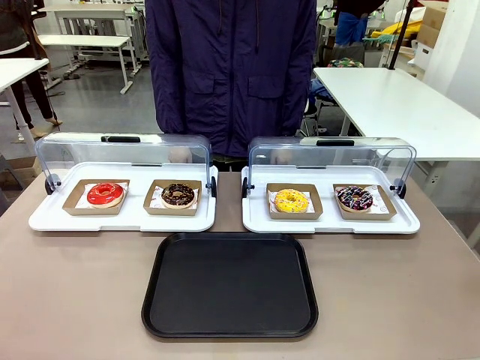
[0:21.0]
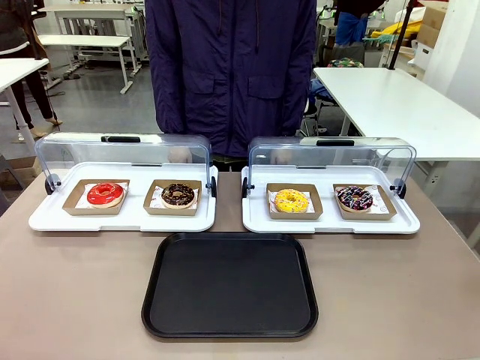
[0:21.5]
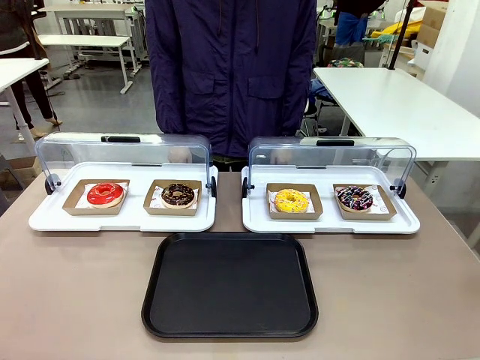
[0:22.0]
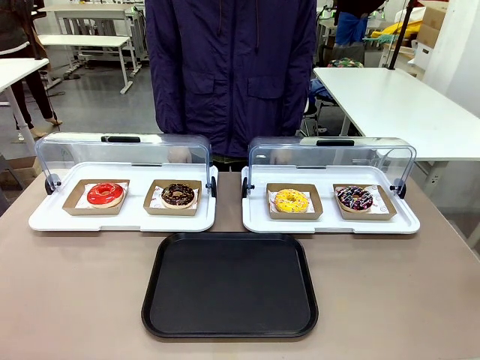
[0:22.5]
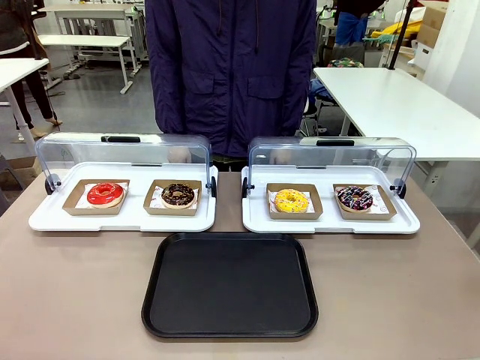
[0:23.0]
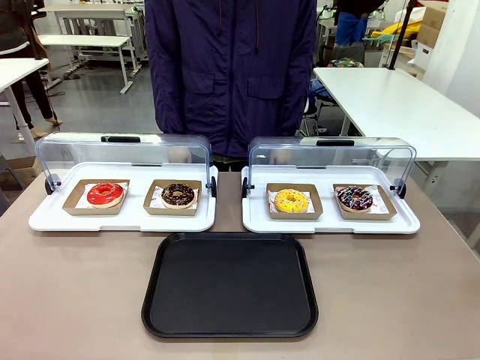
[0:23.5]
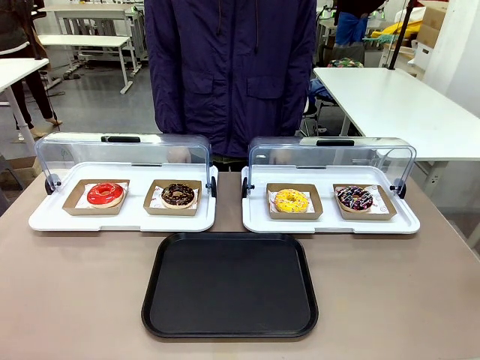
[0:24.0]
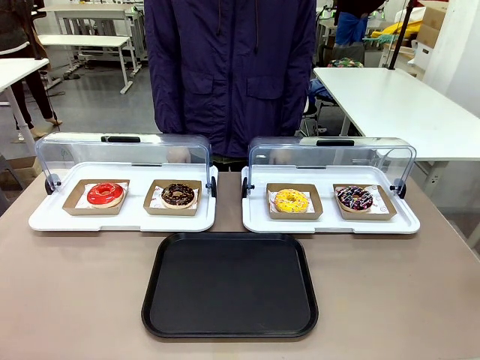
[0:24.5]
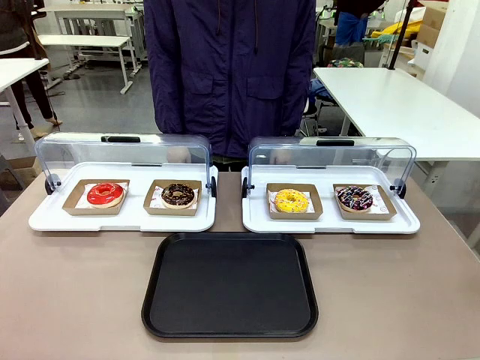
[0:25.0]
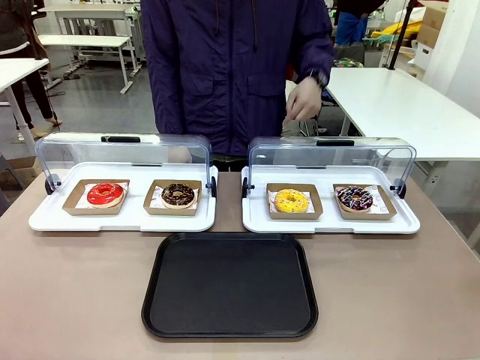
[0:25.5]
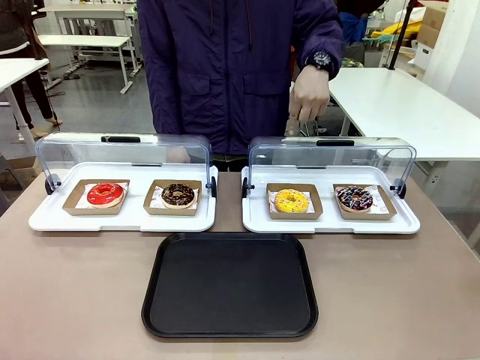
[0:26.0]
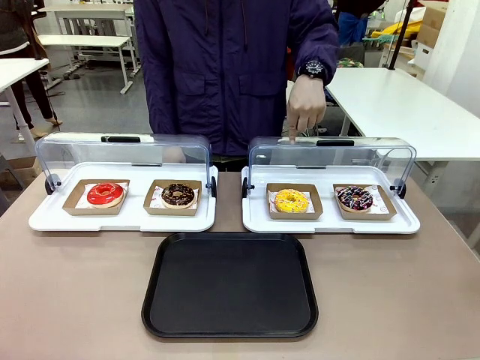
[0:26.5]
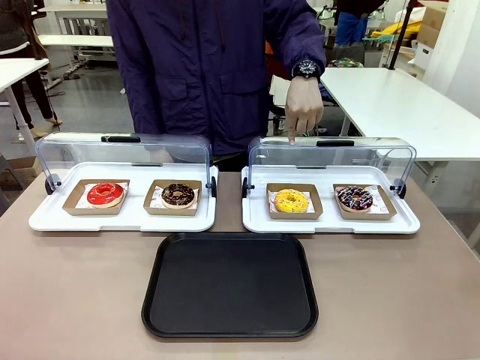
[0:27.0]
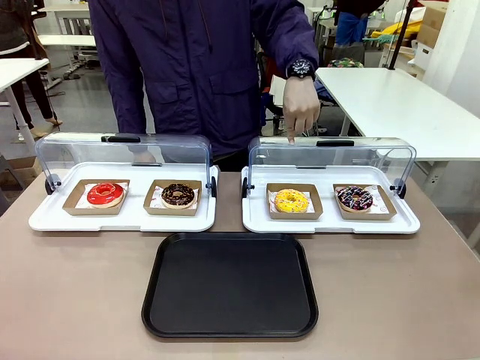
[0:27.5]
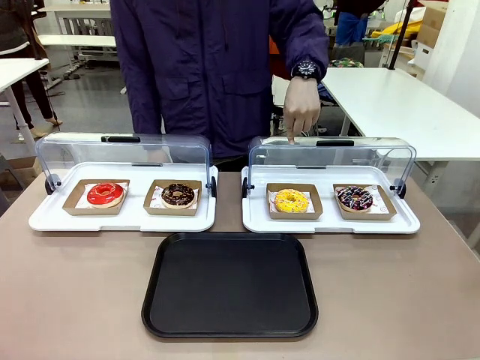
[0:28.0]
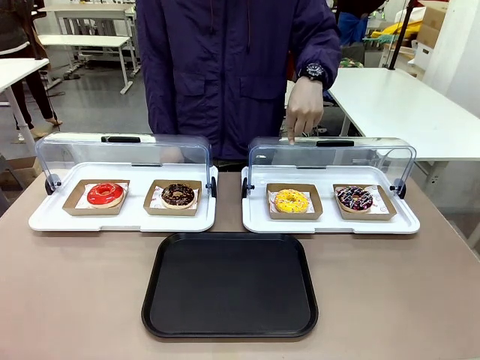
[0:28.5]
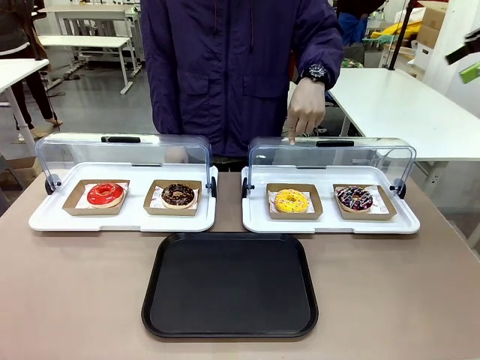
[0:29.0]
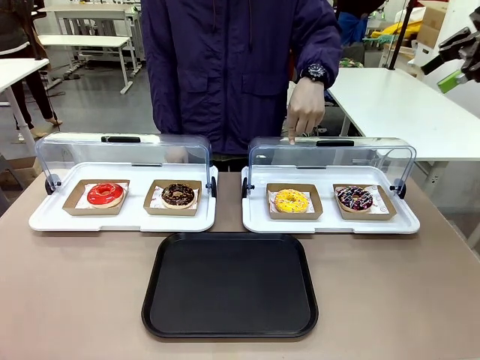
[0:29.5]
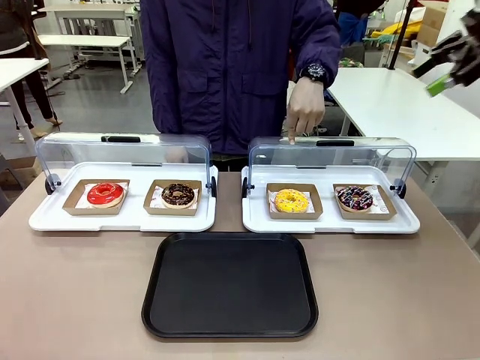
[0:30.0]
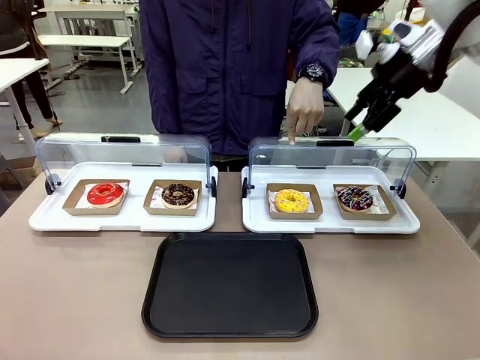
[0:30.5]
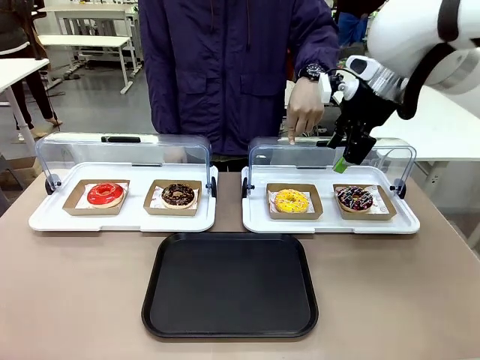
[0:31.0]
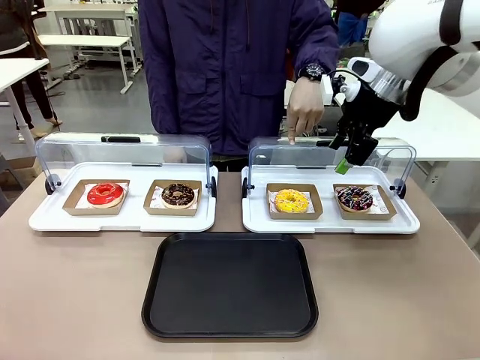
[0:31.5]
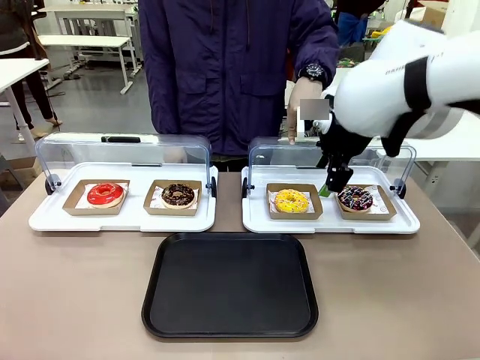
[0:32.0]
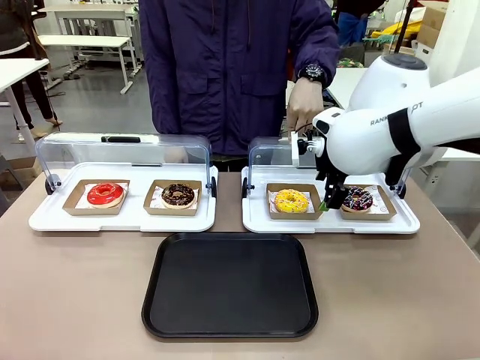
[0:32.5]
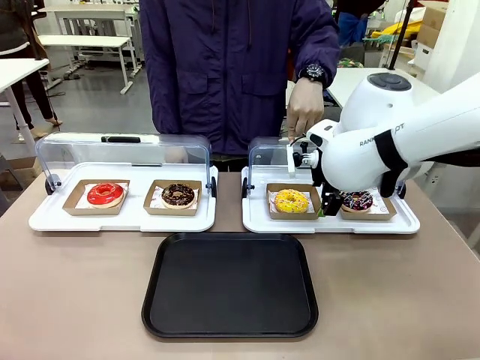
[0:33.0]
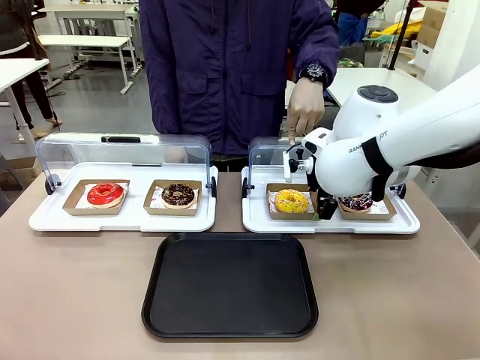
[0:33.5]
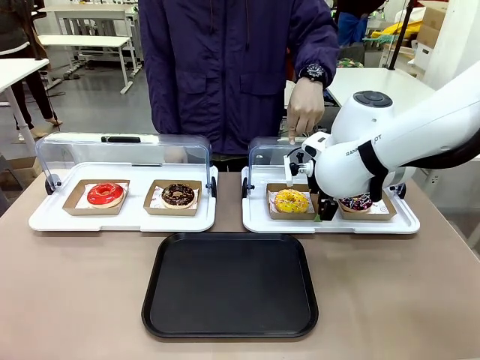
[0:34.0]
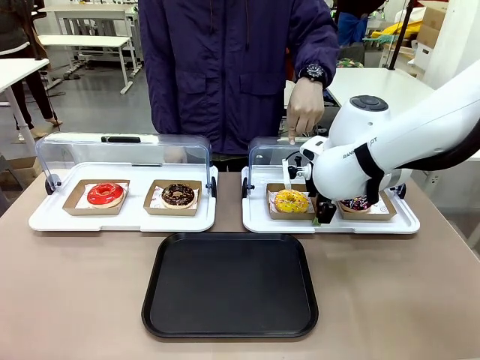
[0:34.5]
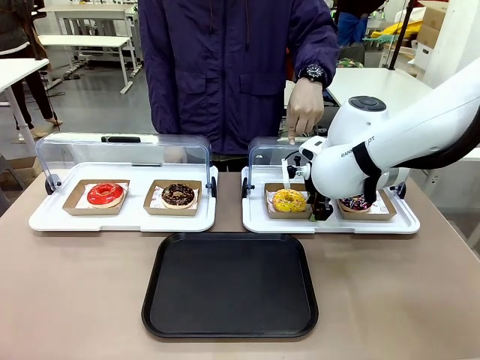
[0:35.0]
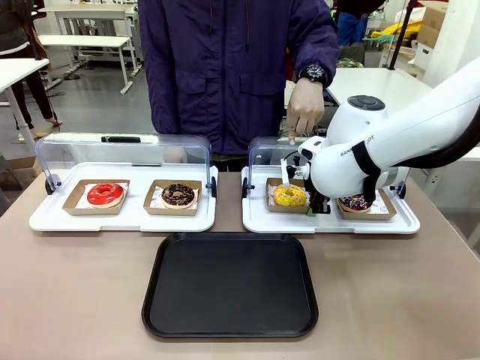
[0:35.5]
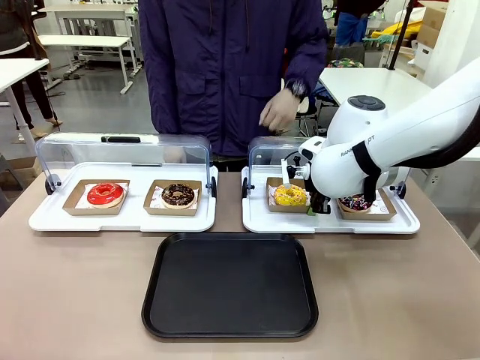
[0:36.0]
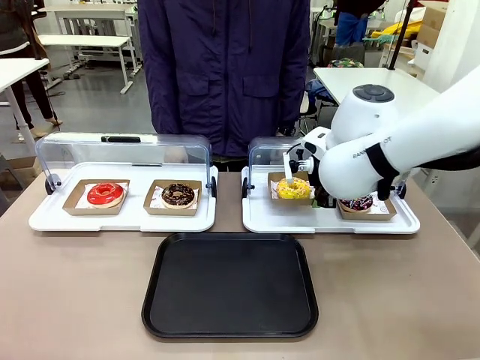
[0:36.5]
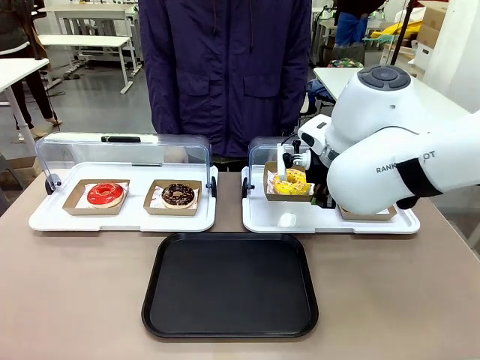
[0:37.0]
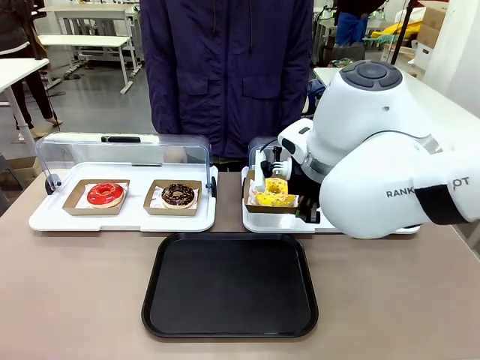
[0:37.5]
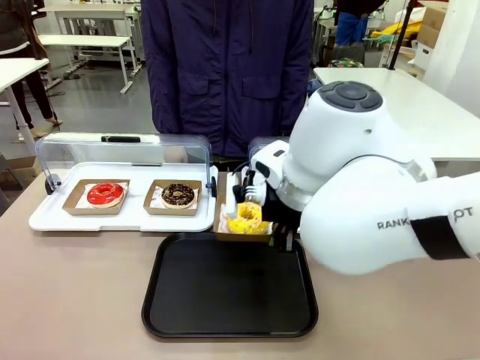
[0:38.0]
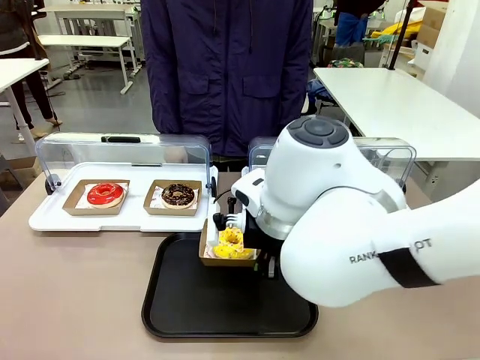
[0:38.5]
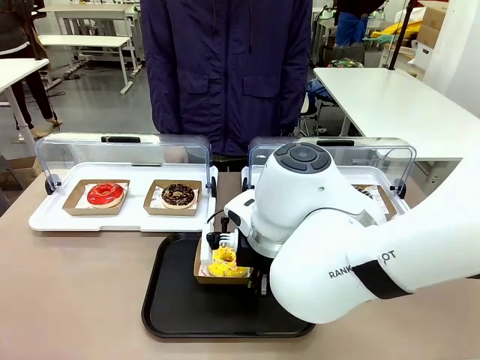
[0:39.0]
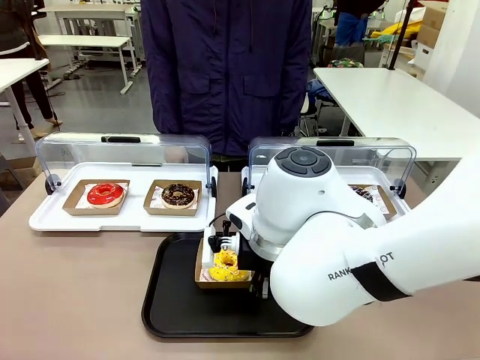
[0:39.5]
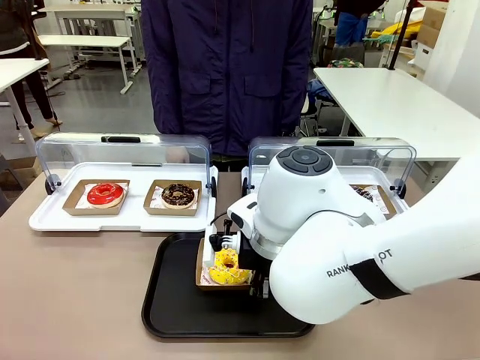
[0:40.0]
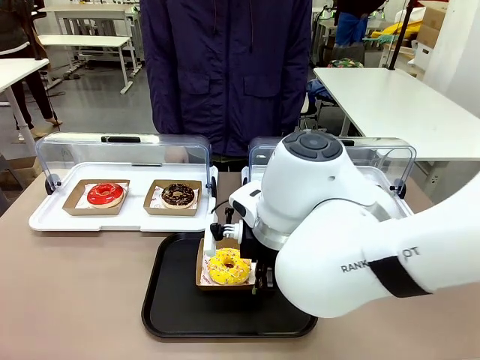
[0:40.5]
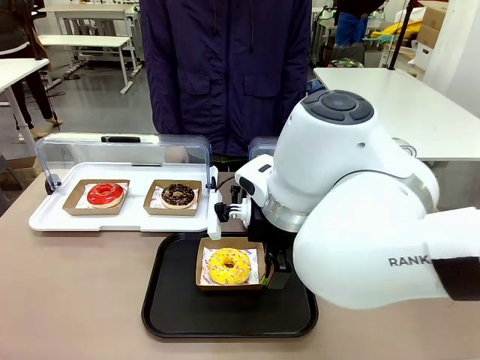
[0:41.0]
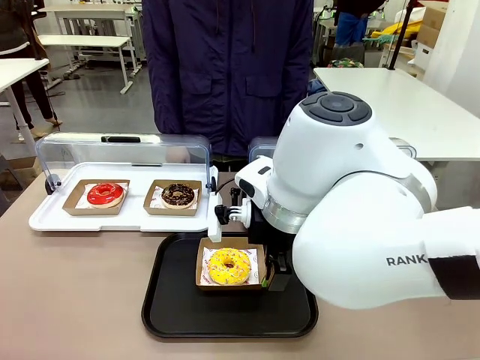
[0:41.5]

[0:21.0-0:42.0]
Task: Move the third donut from the left to the tray.
Robot: Pick up the Paper togo box containing the Donut indicated by the person and place it on the Handle tray.
